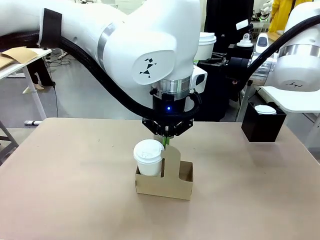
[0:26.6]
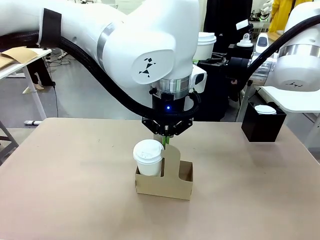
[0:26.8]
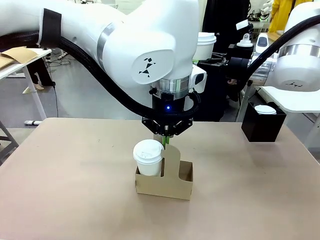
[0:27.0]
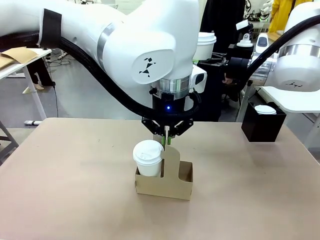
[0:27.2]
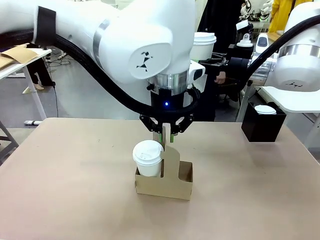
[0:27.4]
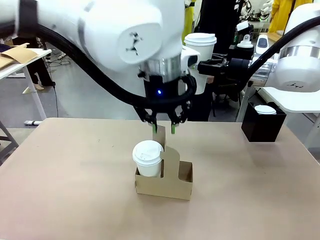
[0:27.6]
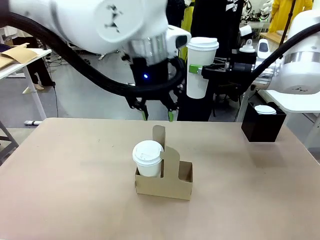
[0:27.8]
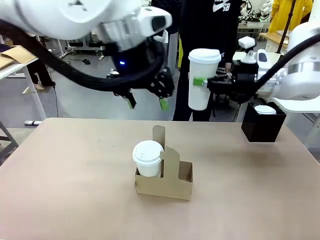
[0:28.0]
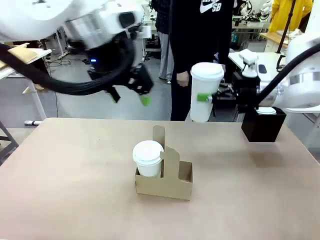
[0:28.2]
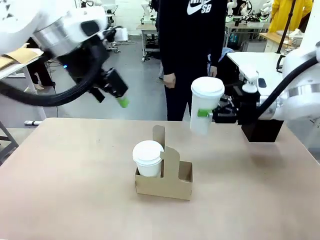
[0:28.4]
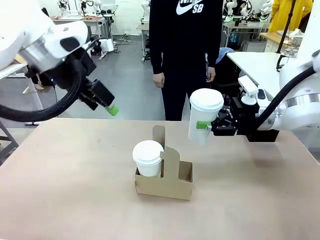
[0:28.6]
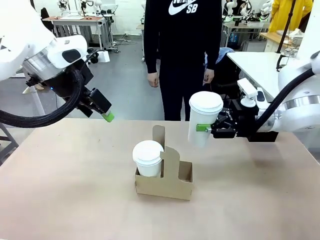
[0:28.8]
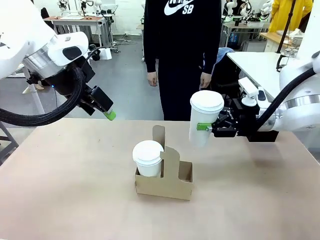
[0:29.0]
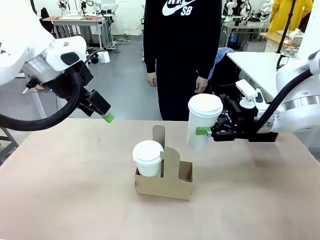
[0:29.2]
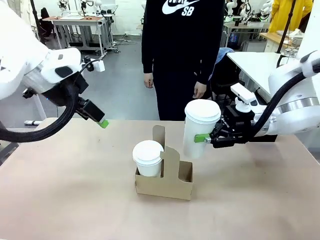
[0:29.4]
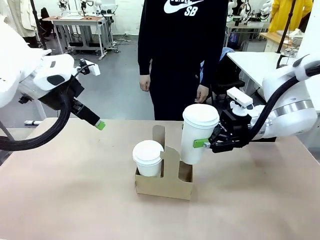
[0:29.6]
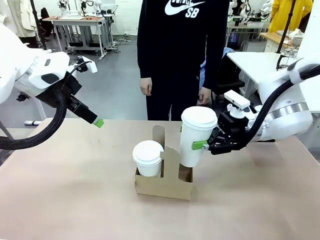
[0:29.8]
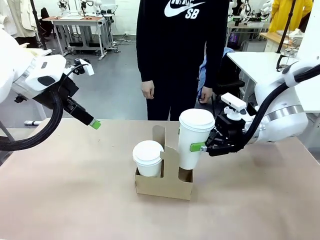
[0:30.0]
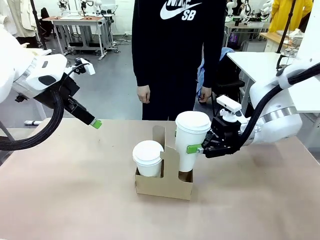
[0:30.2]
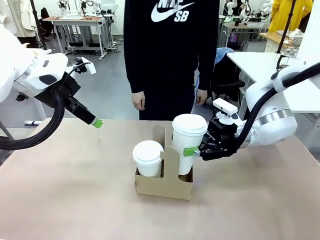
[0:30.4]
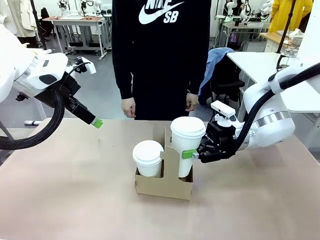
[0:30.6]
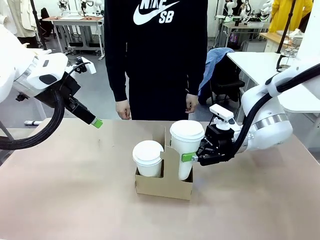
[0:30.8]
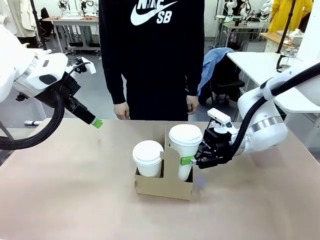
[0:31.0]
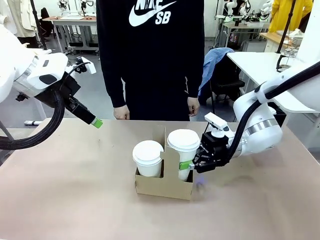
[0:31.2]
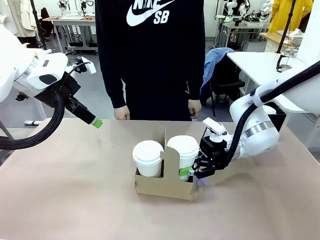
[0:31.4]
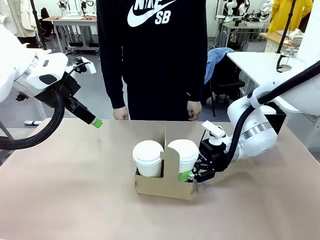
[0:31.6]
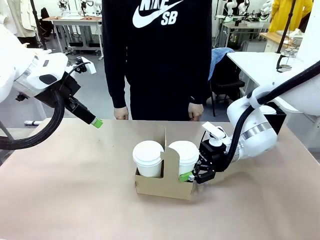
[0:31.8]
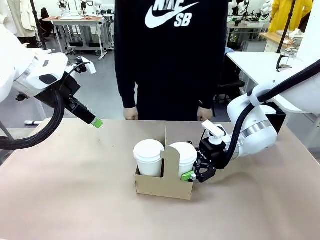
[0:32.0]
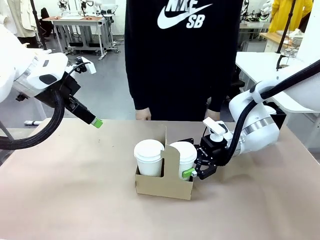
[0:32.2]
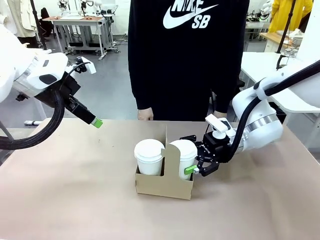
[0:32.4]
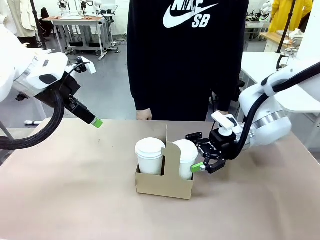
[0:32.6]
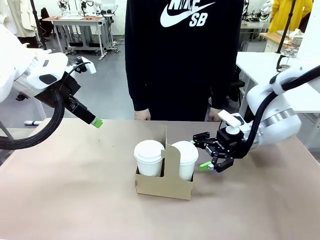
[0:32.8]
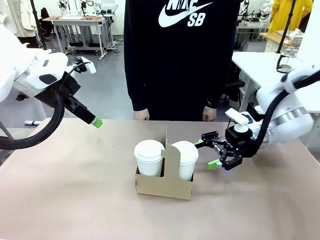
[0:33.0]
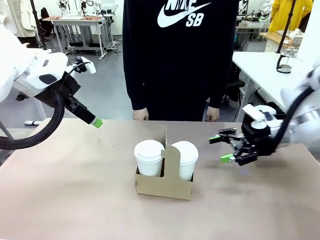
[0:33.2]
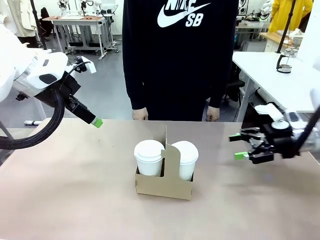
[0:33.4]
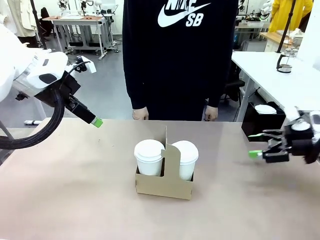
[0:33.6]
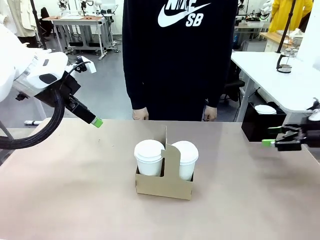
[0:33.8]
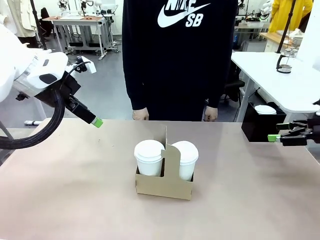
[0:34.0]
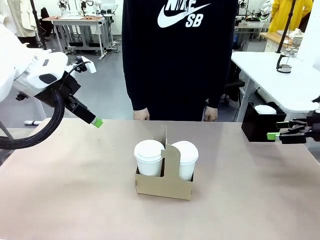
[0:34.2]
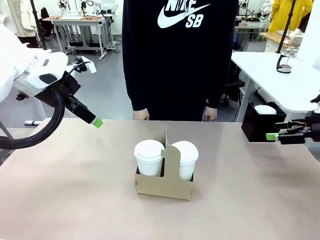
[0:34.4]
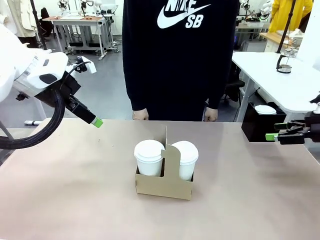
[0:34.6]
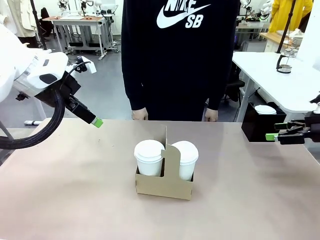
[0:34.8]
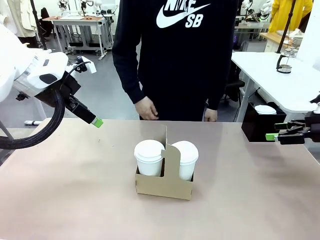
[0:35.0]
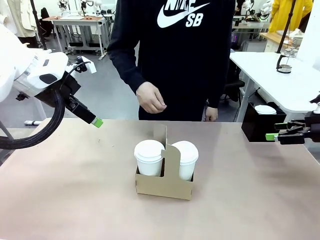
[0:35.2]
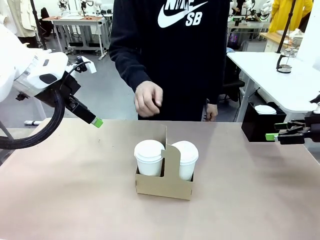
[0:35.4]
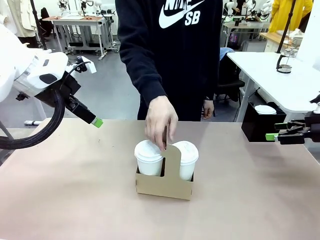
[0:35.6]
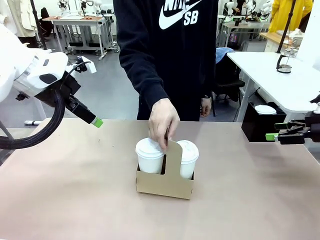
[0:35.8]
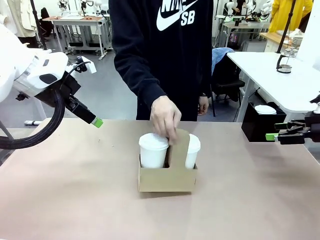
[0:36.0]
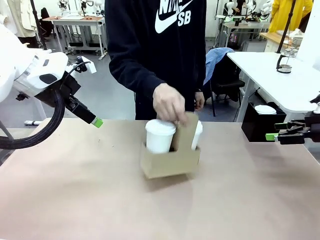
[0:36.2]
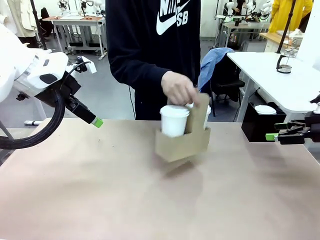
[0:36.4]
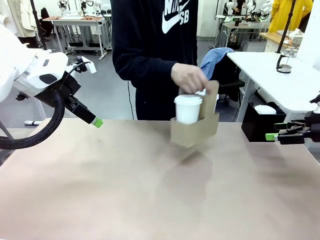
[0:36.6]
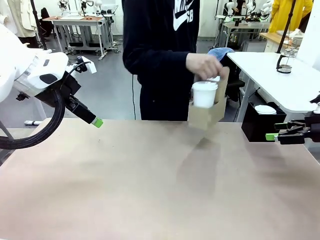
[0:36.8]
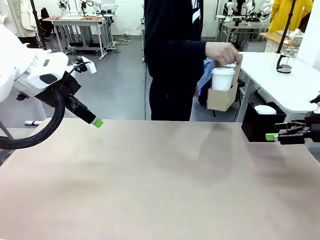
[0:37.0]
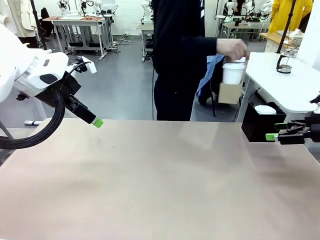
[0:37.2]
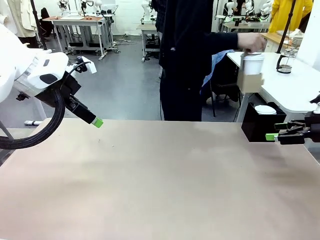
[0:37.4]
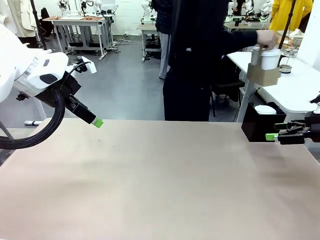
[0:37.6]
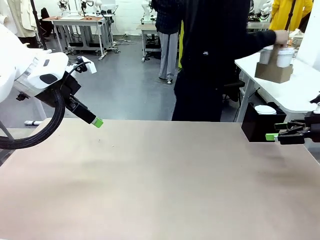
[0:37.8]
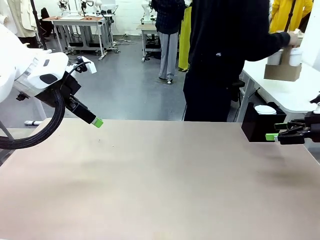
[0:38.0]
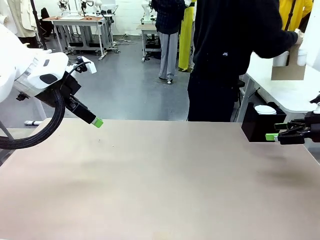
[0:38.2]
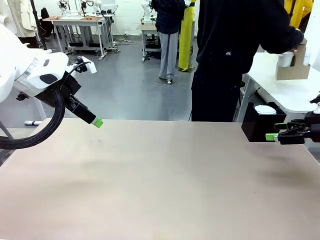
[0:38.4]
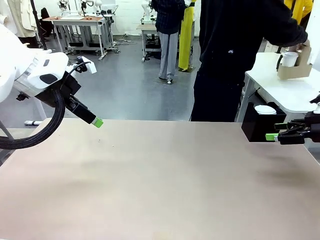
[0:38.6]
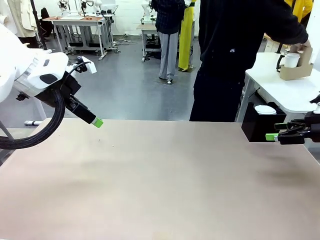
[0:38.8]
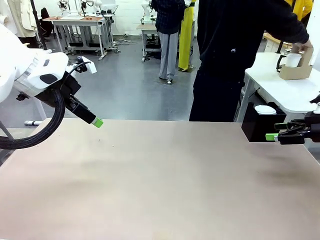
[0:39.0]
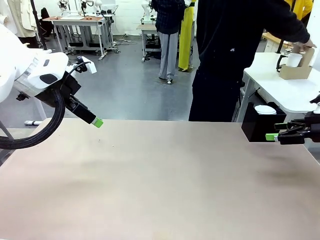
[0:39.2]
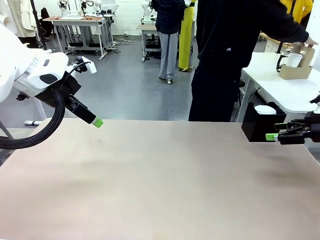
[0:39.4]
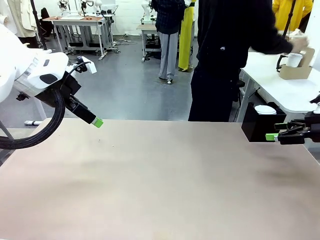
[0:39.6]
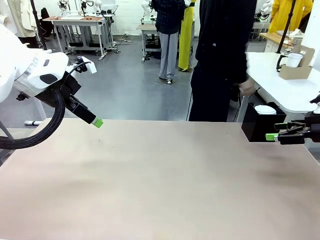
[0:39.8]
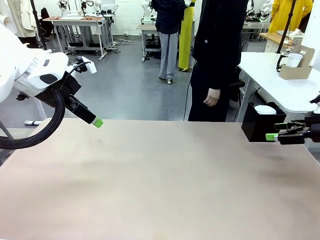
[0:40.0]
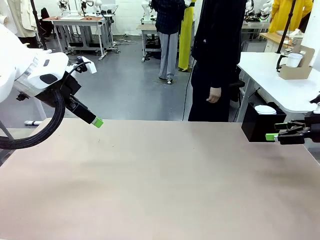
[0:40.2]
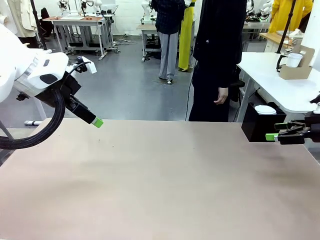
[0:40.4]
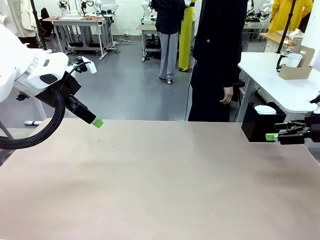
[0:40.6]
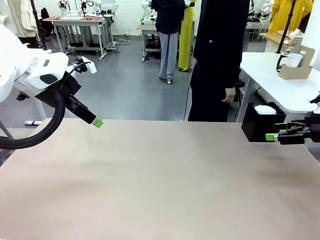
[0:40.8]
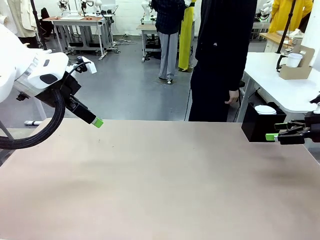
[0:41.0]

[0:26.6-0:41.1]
Task: Pour a drink into a cup and package it in a carrier.
Robot: Insert the held 600 ml Paper Cup into the Cup Carrier.
Person: Place the Cup Carrier to the middle of Human table.

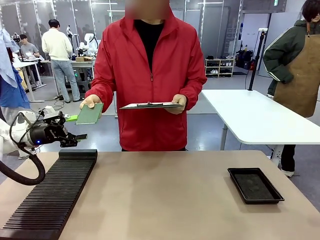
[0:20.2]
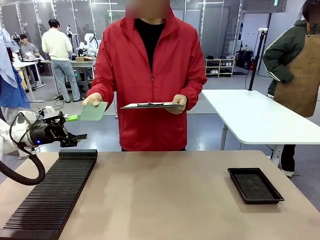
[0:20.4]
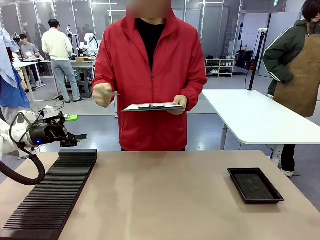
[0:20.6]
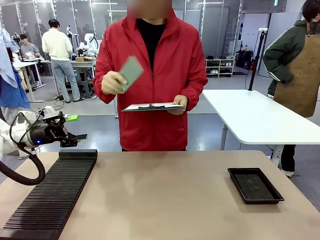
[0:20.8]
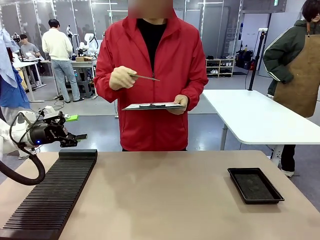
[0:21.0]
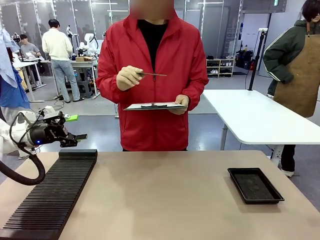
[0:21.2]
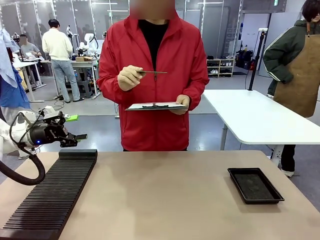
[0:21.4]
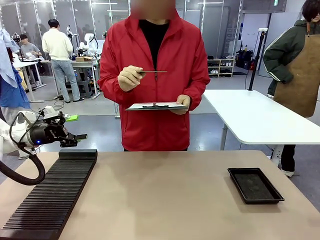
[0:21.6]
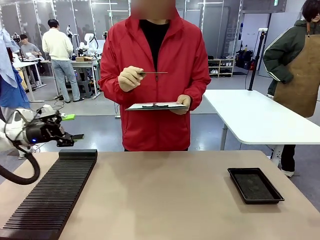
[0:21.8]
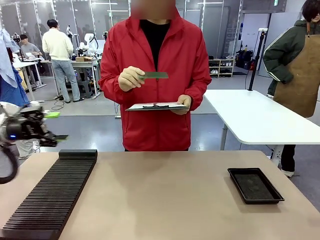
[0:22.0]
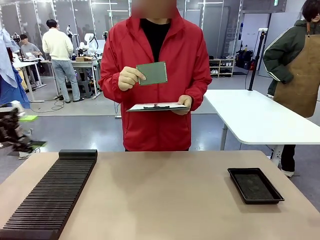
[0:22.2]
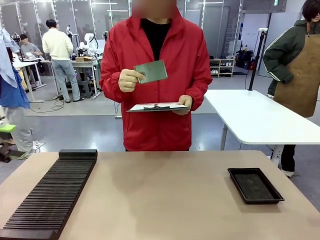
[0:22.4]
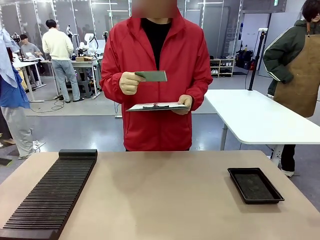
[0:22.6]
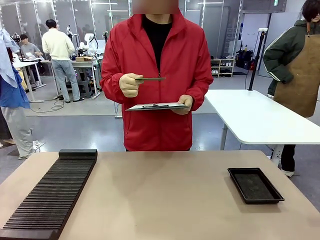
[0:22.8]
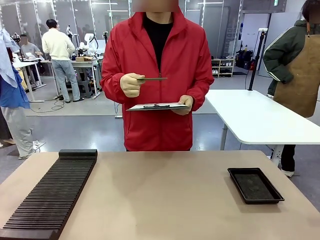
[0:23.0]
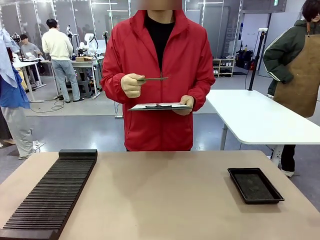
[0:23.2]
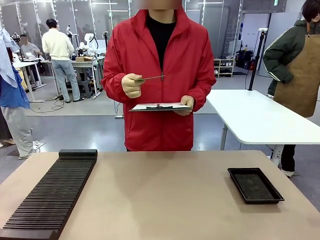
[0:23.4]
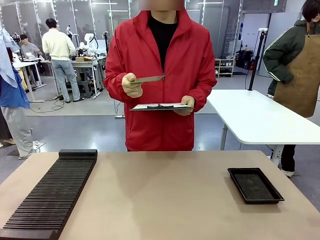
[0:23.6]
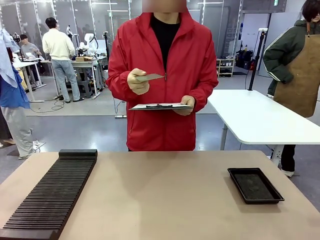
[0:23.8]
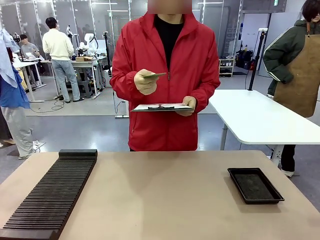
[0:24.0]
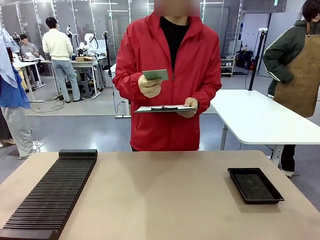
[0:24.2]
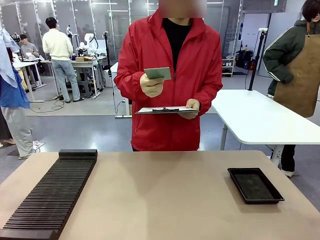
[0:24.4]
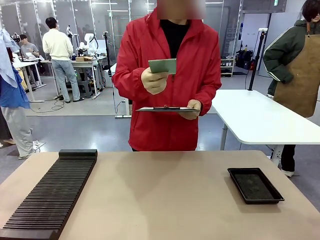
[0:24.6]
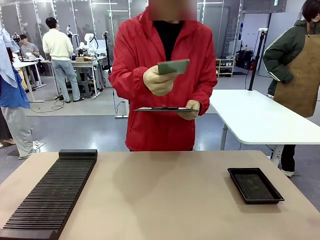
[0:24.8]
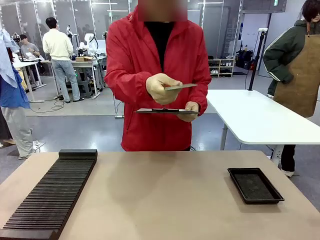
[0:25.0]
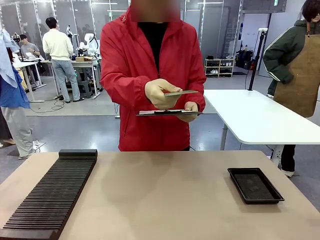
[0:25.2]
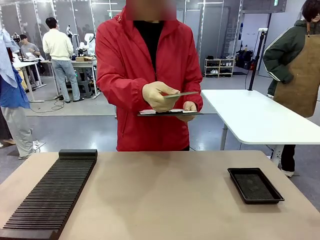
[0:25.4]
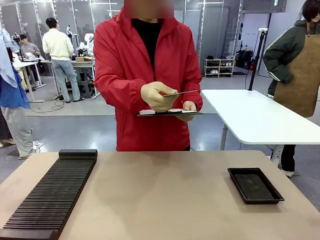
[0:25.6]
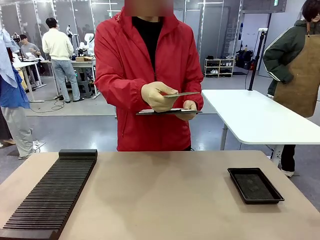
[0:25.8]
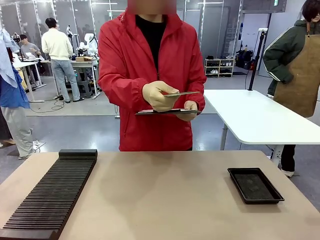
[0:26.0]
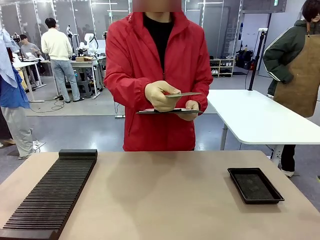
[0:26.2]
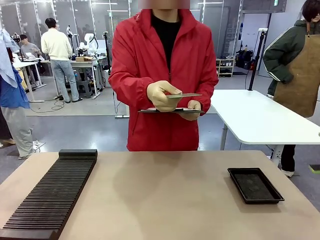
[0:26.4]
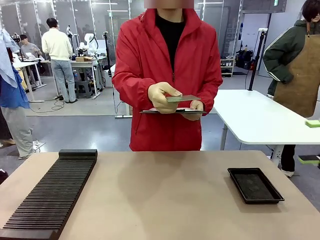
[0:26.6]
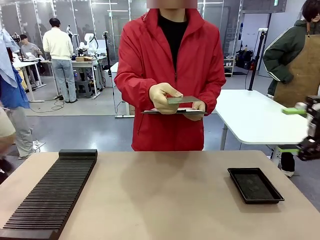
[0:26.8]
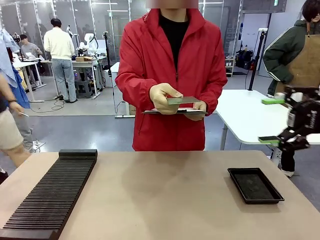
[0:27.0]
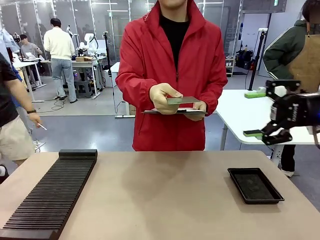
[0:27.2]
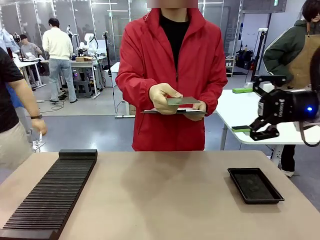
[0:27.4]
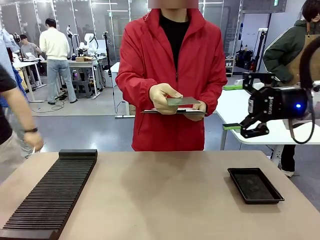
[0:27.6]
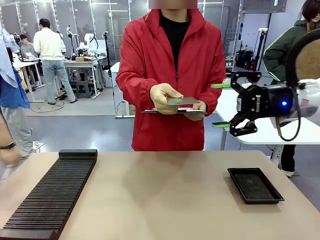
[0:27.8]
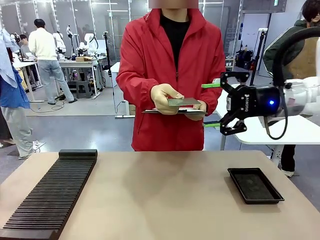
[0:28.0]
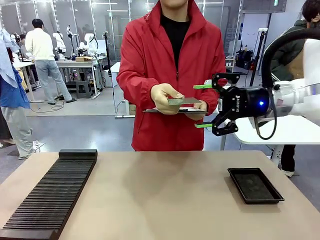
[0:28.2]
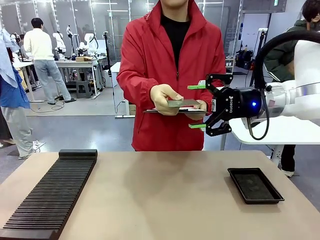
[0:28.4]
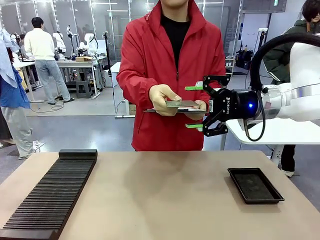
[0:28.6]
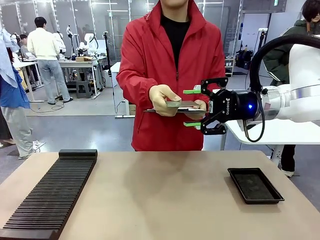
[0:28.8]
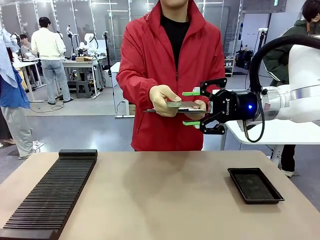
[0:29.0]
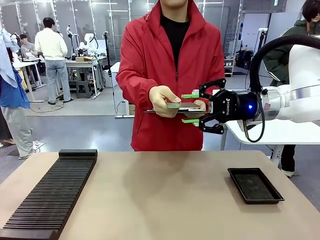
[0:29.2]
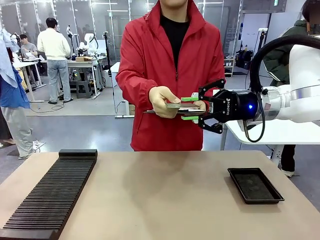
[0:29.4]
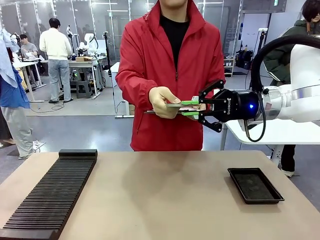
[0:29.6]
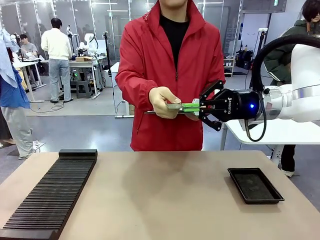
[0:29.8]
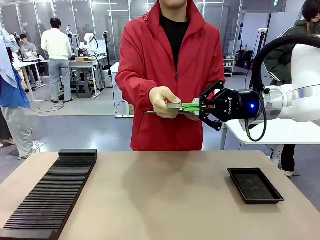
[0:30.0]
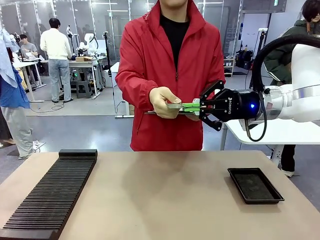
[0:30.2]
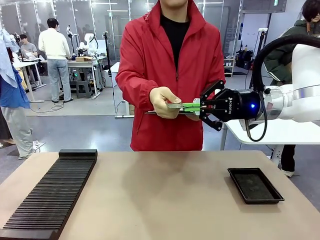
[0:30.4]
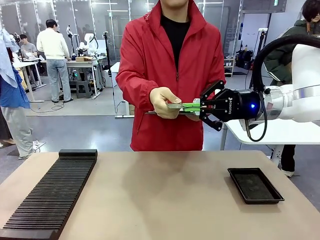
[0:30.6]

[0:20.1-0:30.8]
Task: Inspect the PCB.
Robot: Pick up the Blank PCB that the human is holding.
Person: Inspect the PCB placed by the robot, then hold it out in front of the robot. Release the PCB you were holding.
